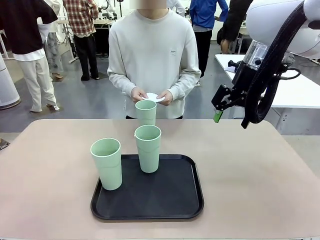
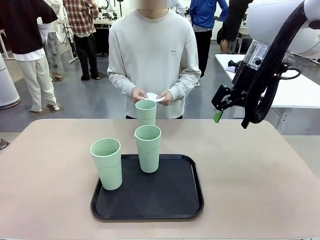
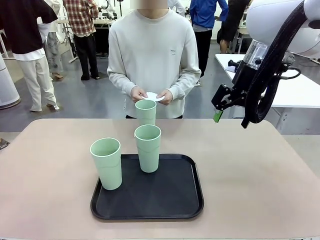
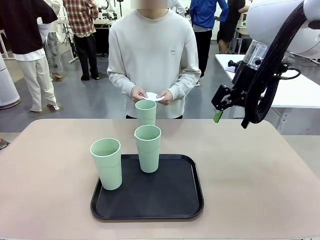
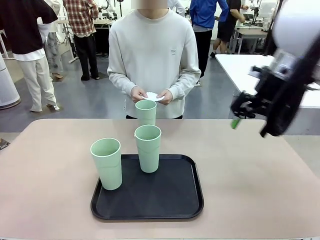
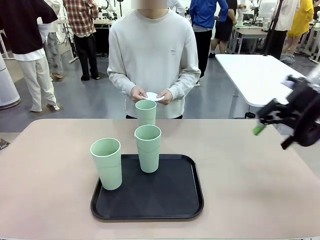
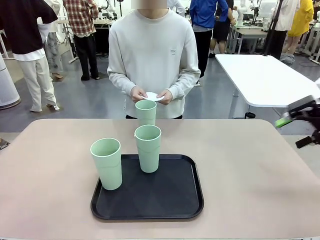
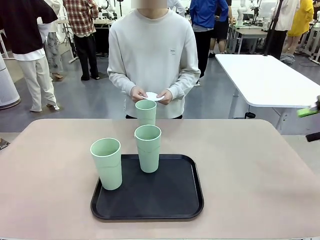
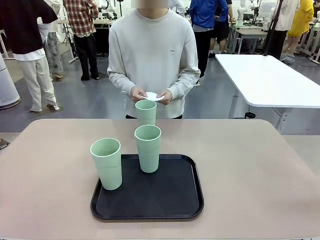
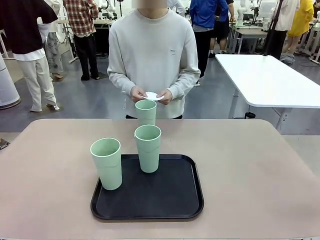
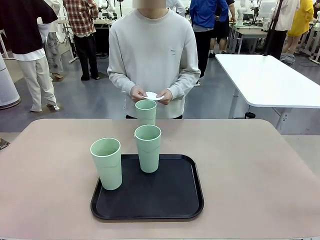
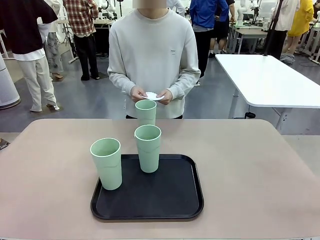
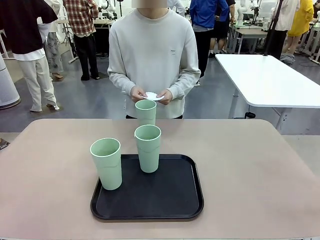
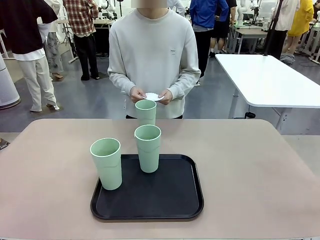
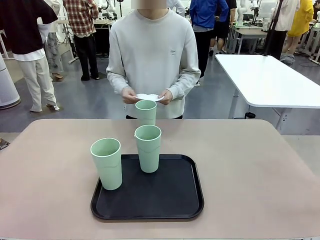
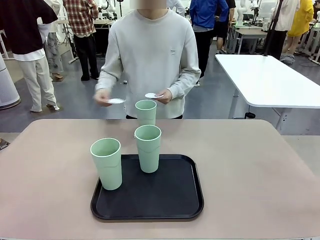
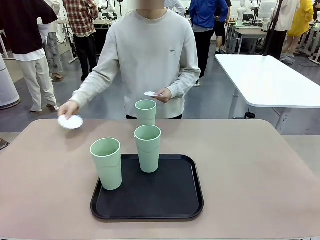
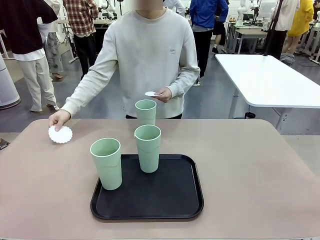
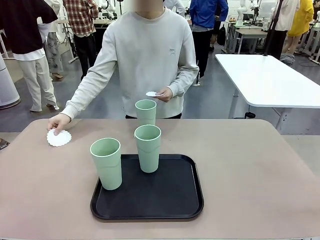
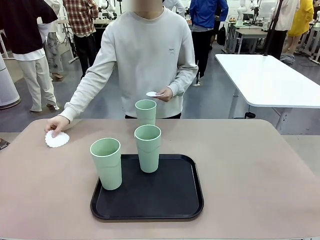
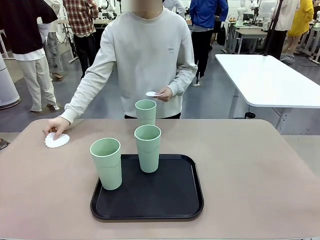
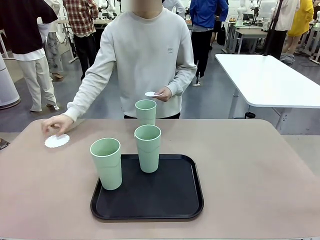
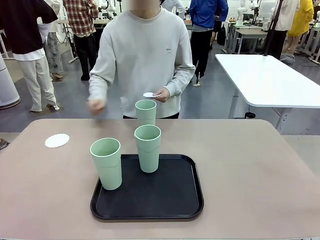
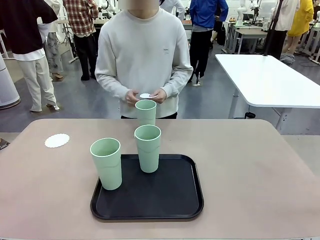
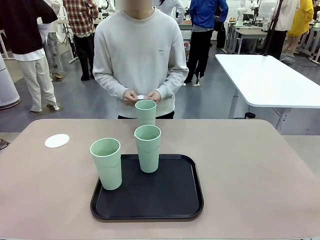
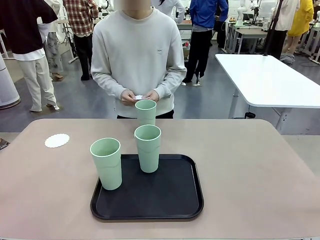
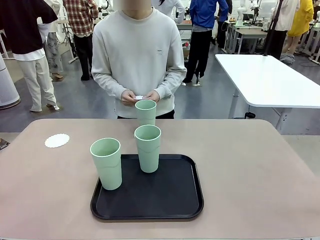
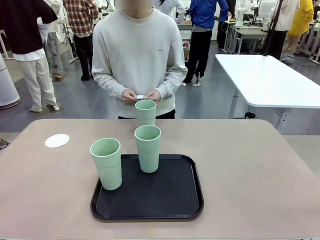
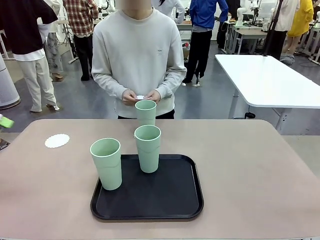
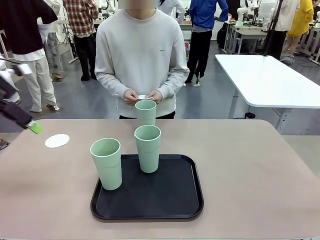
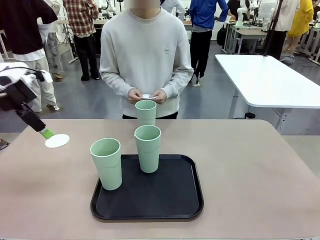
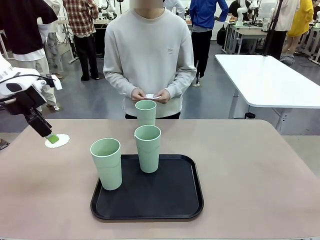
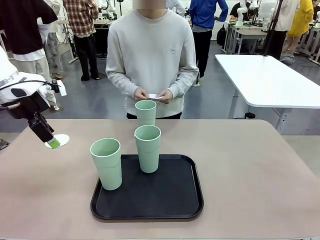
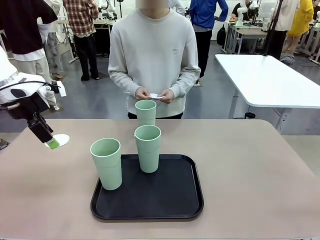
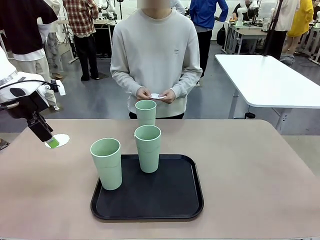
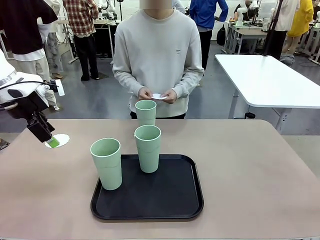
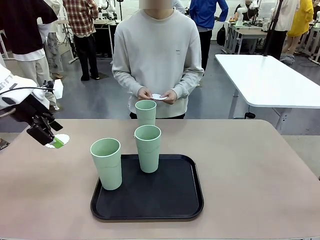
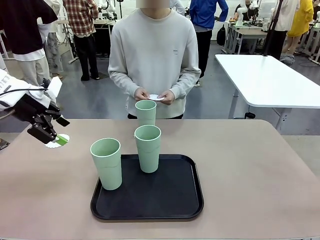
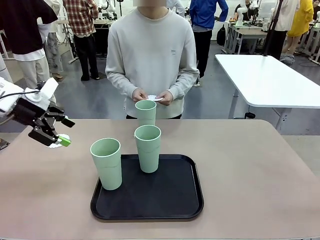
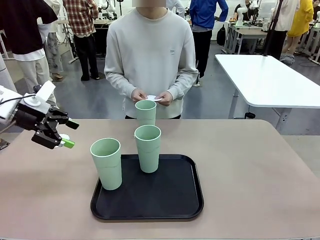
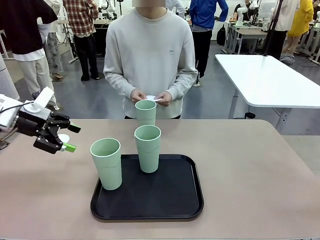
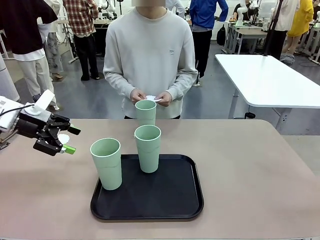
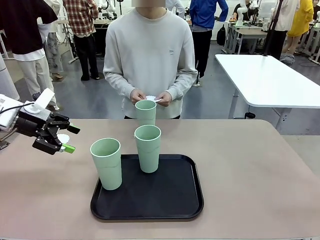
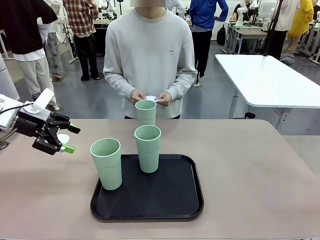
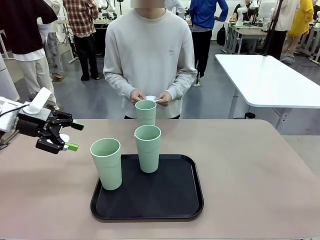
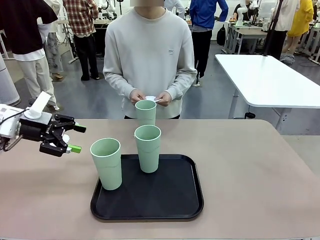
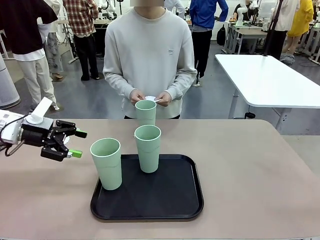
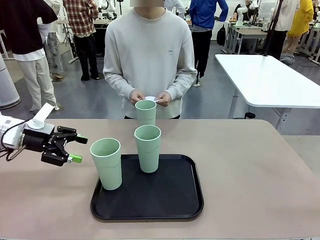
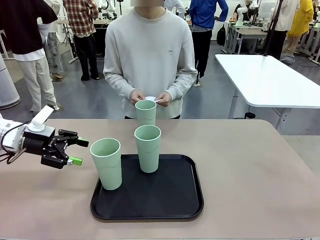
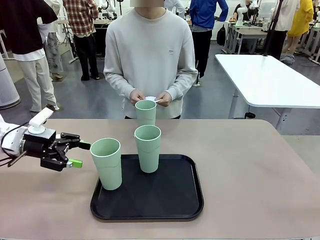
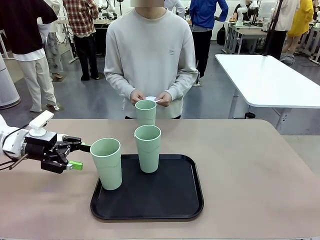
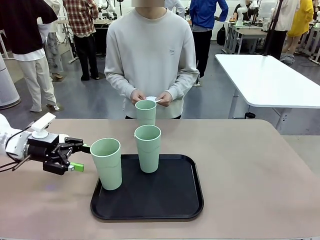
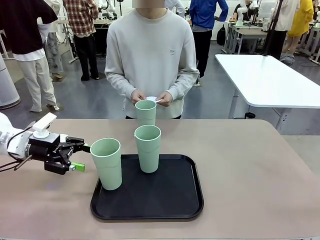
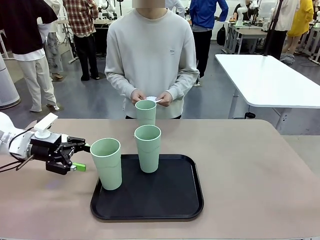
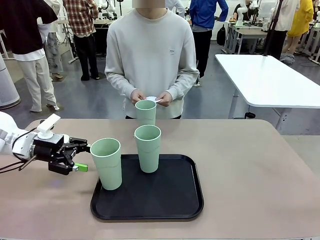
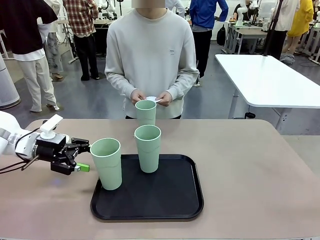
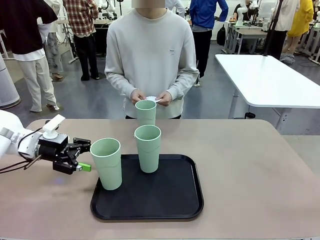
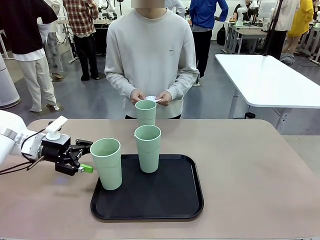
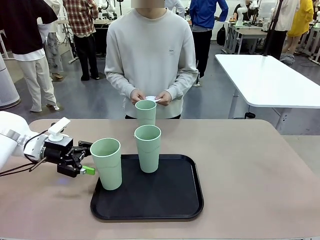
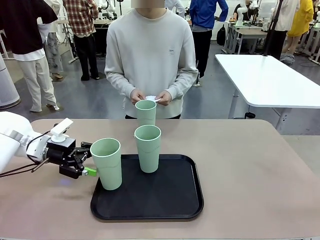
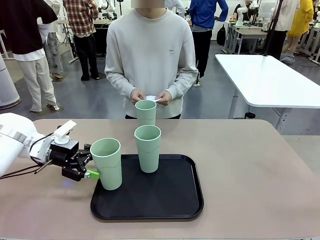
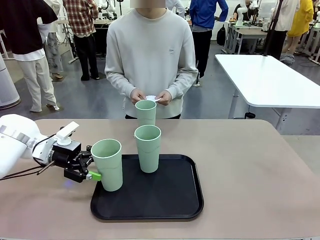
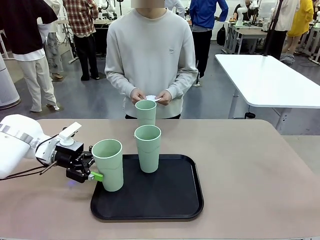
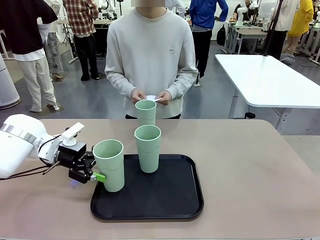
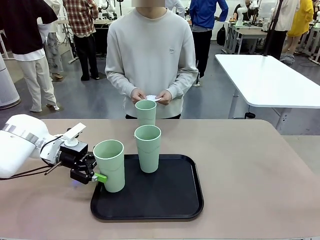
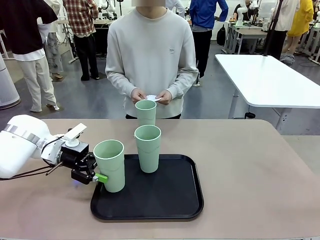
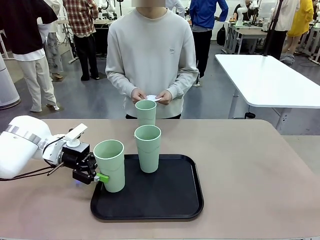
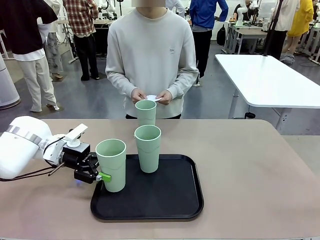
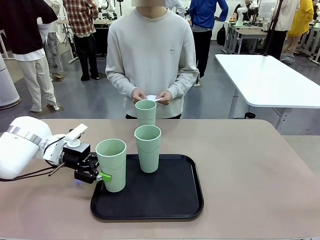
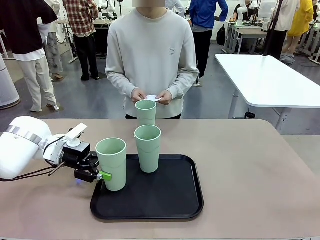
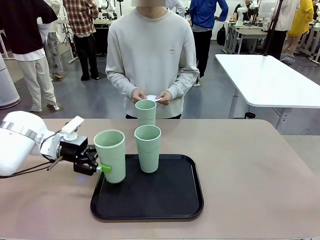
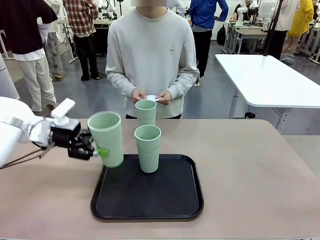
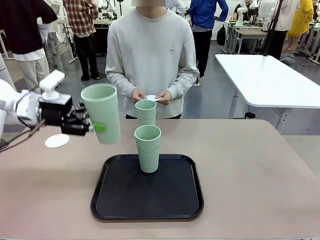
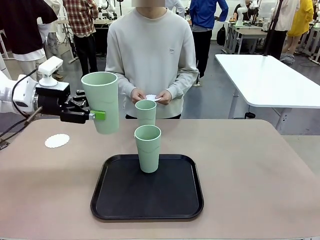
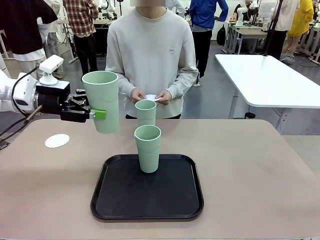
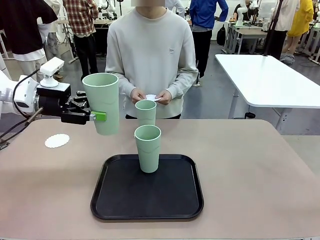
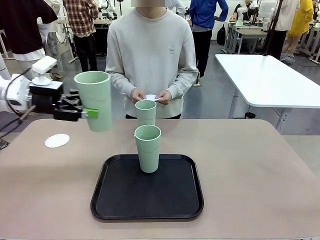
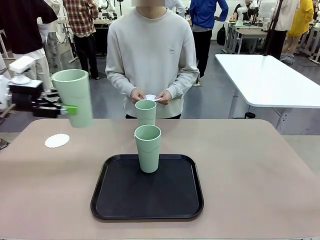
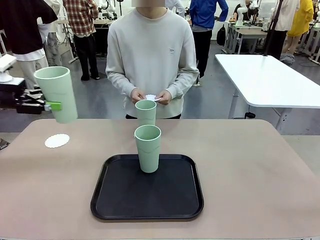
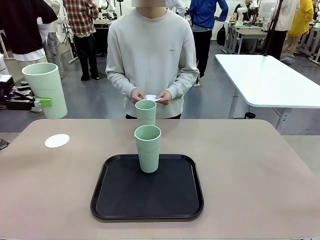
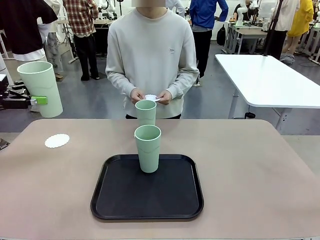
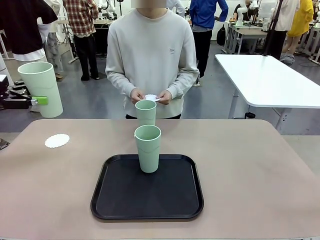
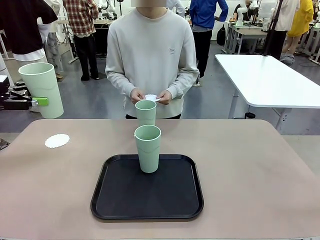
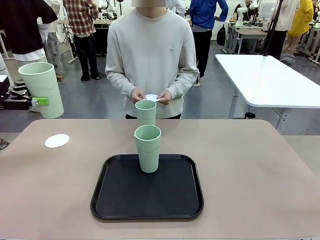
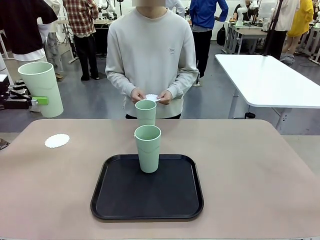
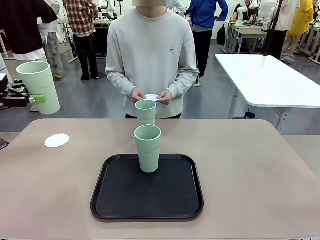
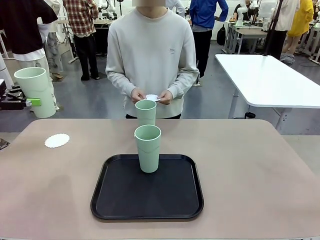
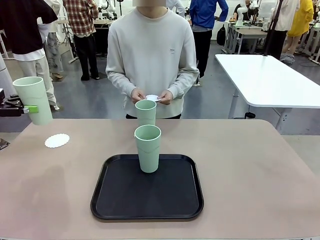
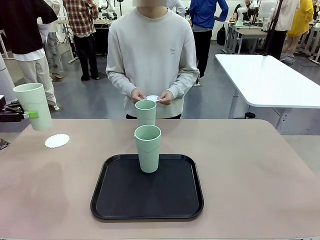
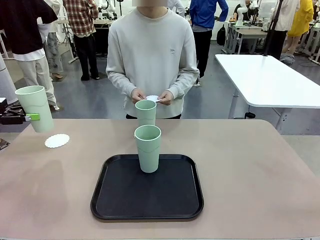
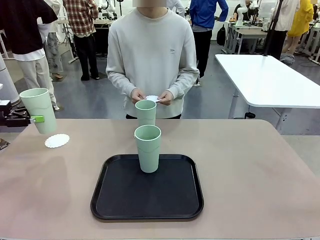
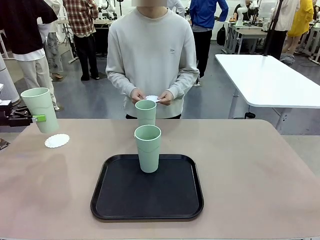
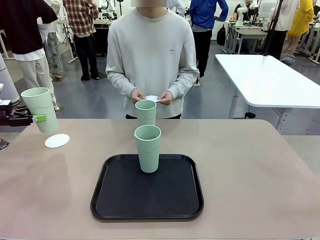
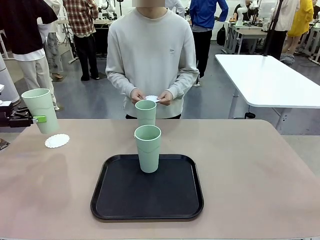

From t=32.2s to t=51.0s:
Task: Place coasters on the table and set cups on them.
Robot: Take one Reusable plastic cup from the Flat Tray and place it on a coaster set by the human.
